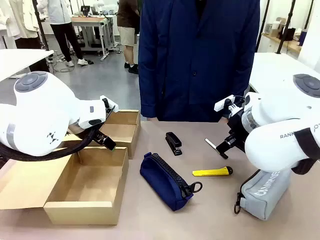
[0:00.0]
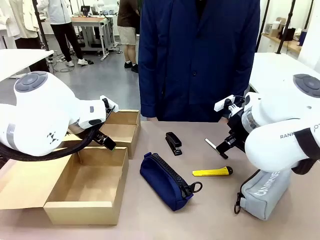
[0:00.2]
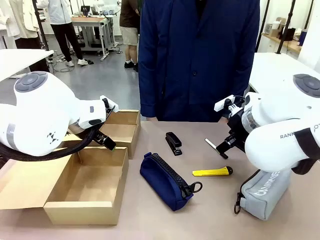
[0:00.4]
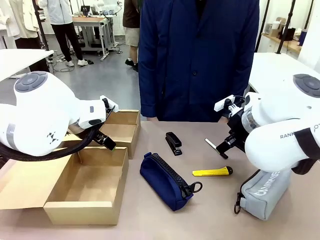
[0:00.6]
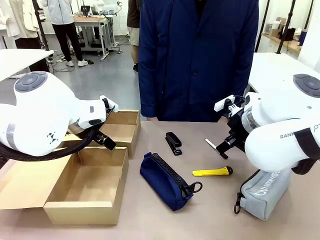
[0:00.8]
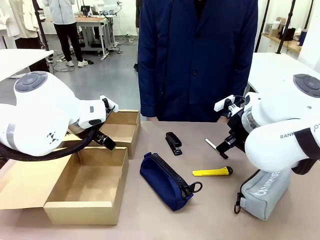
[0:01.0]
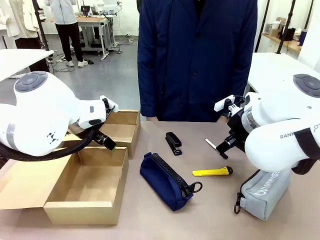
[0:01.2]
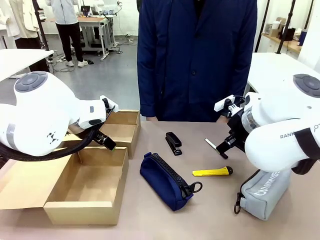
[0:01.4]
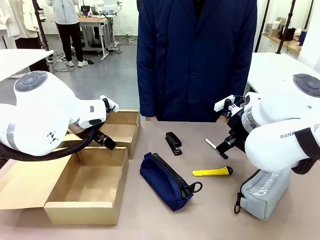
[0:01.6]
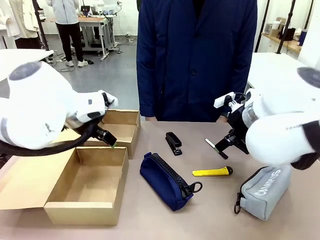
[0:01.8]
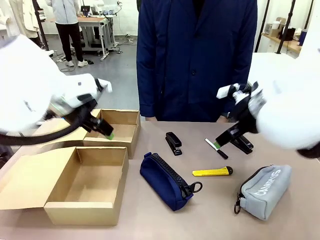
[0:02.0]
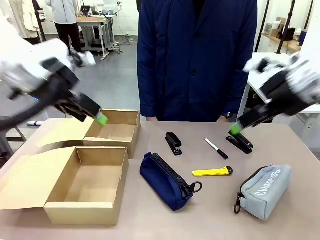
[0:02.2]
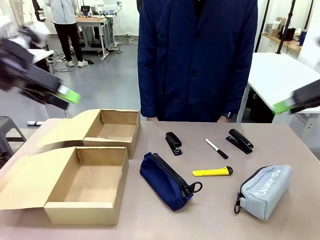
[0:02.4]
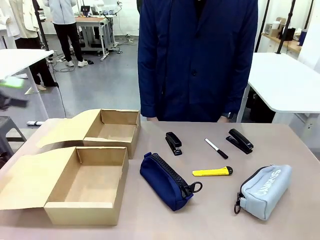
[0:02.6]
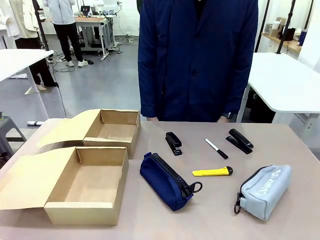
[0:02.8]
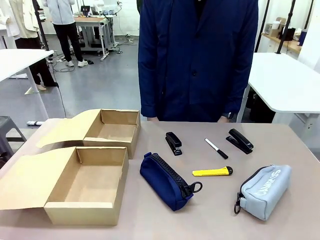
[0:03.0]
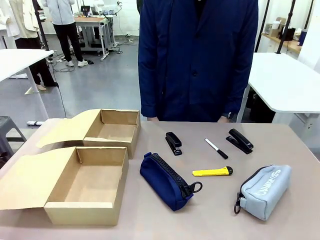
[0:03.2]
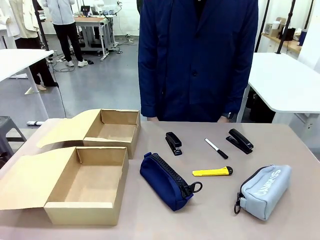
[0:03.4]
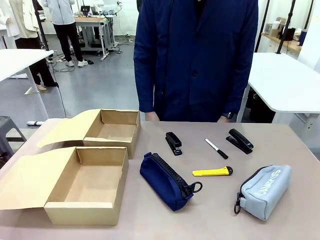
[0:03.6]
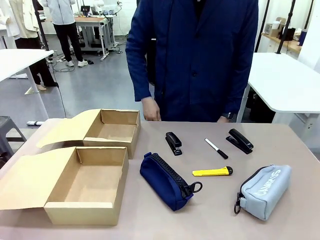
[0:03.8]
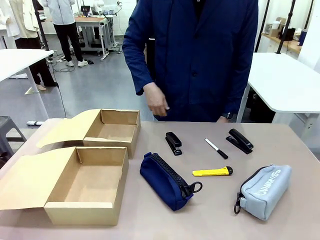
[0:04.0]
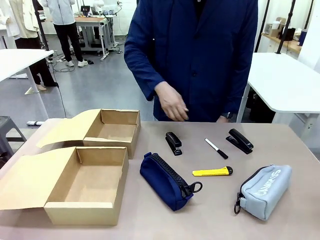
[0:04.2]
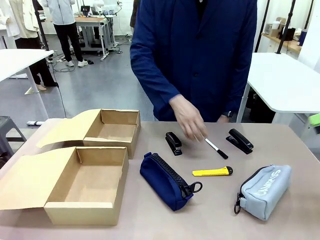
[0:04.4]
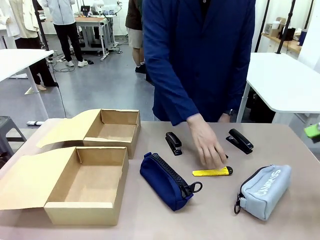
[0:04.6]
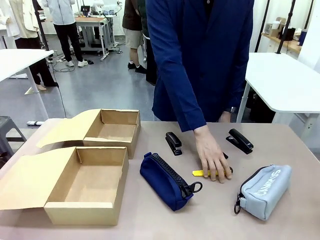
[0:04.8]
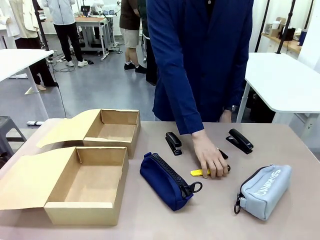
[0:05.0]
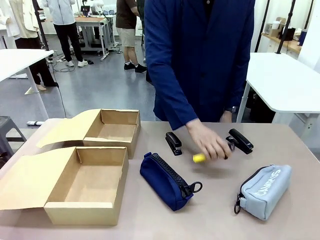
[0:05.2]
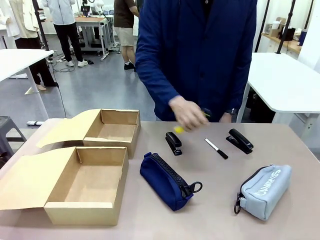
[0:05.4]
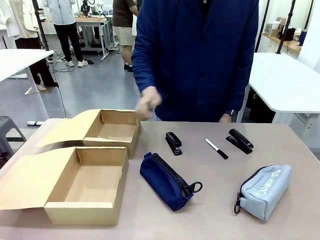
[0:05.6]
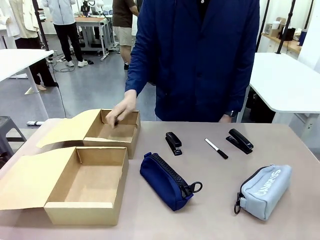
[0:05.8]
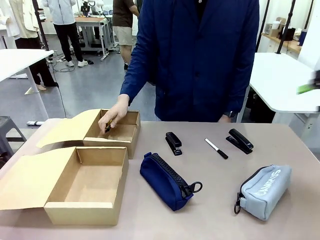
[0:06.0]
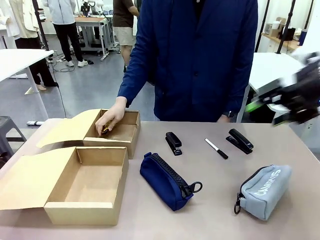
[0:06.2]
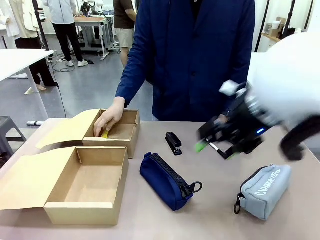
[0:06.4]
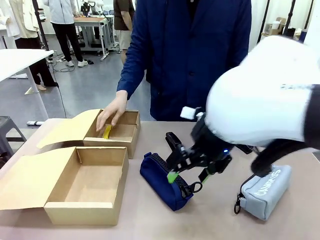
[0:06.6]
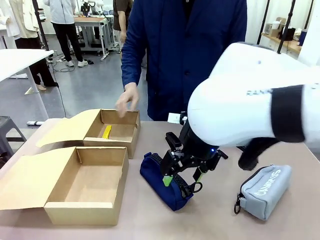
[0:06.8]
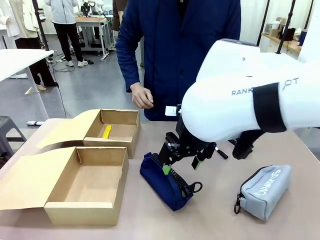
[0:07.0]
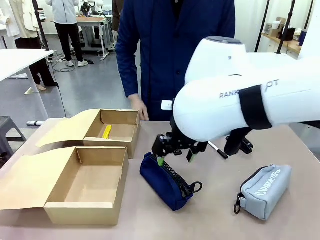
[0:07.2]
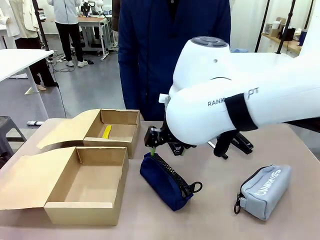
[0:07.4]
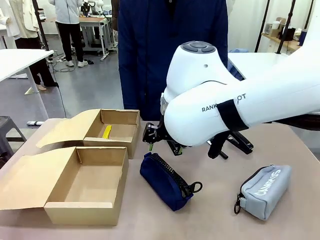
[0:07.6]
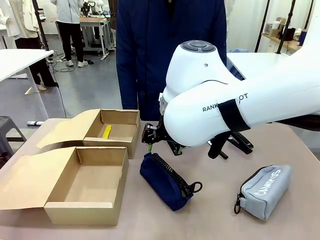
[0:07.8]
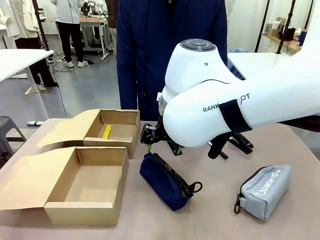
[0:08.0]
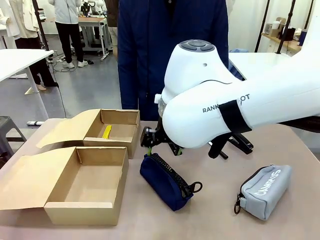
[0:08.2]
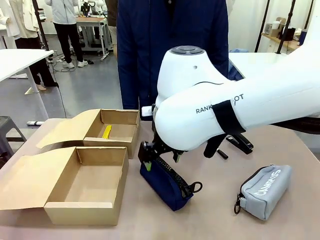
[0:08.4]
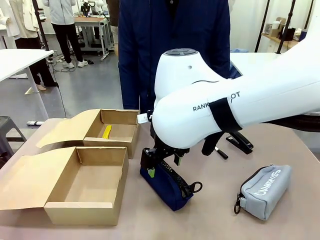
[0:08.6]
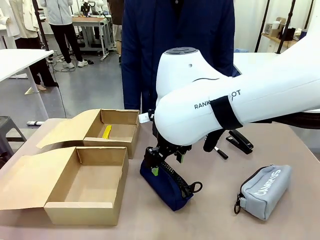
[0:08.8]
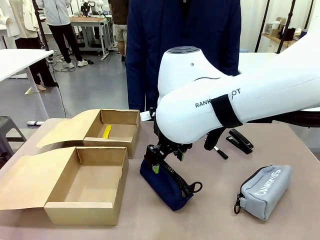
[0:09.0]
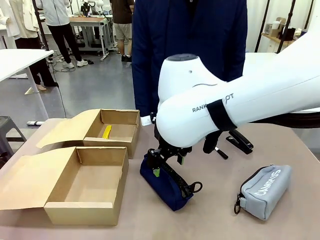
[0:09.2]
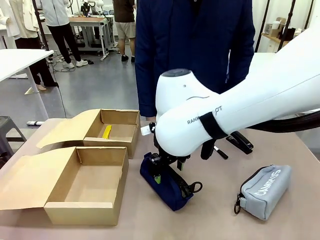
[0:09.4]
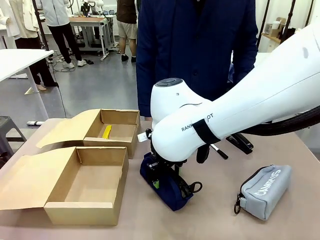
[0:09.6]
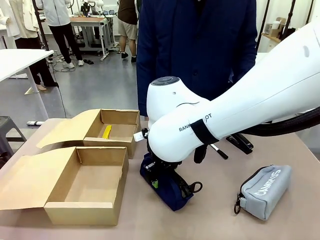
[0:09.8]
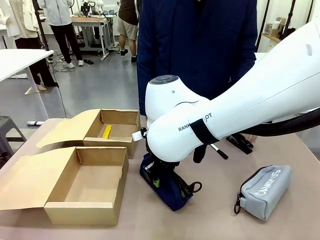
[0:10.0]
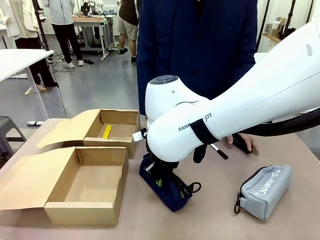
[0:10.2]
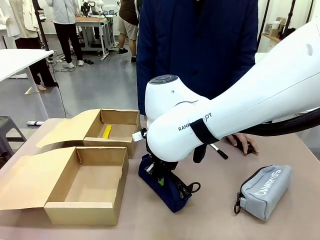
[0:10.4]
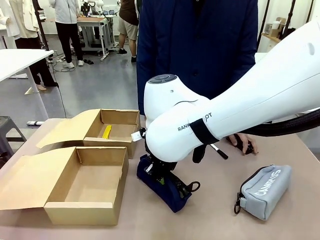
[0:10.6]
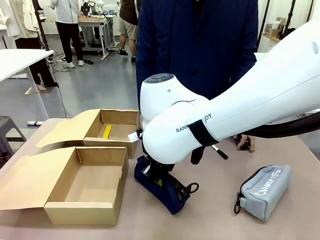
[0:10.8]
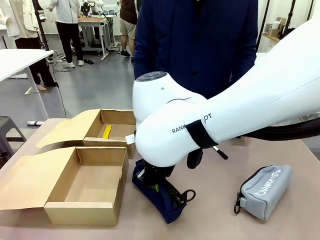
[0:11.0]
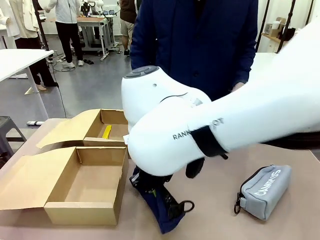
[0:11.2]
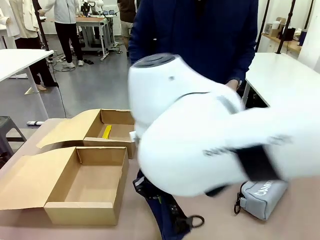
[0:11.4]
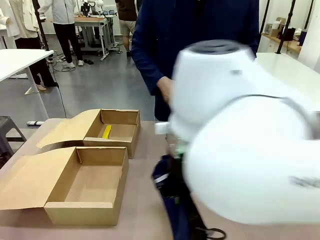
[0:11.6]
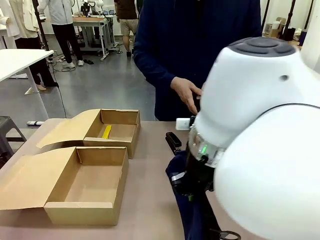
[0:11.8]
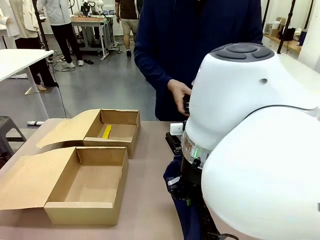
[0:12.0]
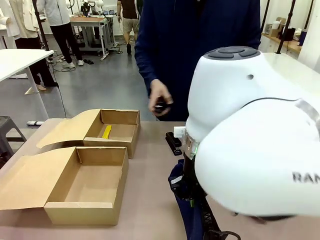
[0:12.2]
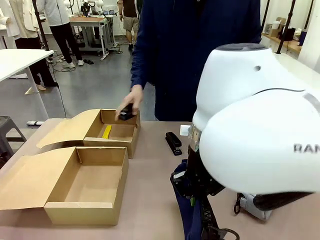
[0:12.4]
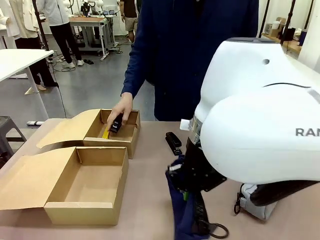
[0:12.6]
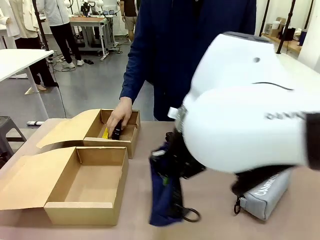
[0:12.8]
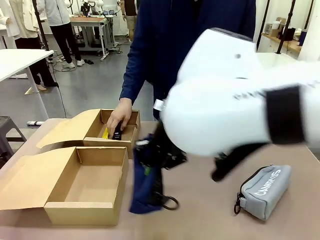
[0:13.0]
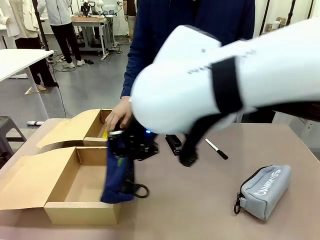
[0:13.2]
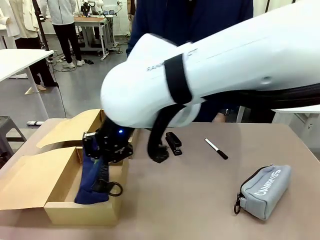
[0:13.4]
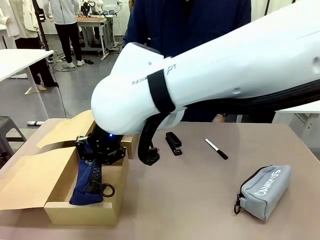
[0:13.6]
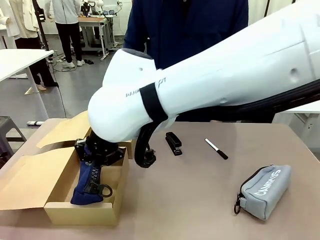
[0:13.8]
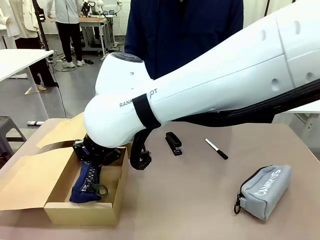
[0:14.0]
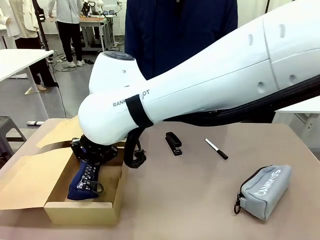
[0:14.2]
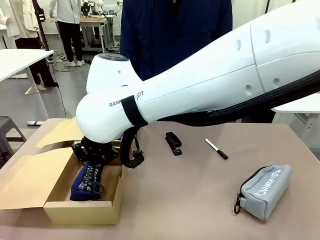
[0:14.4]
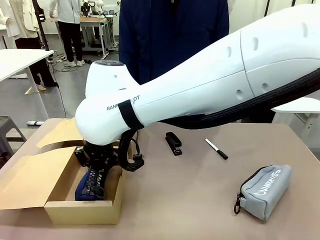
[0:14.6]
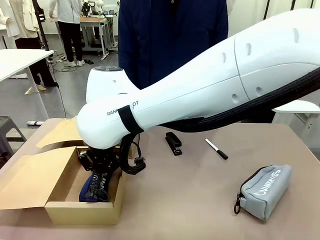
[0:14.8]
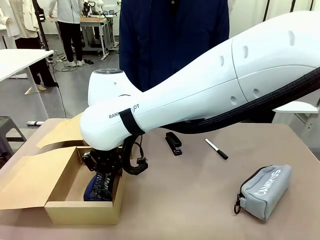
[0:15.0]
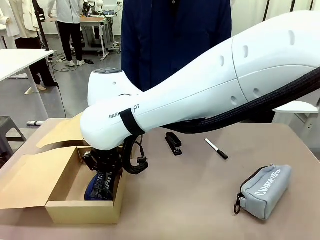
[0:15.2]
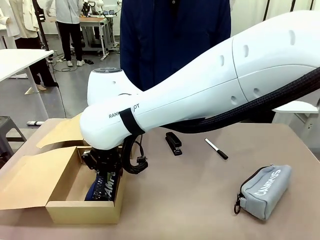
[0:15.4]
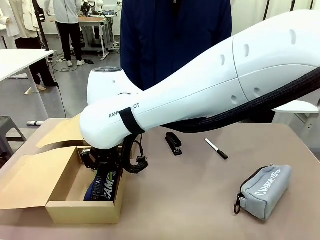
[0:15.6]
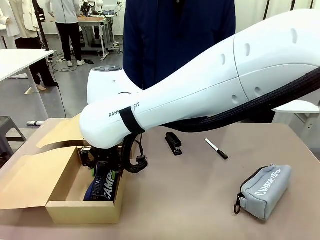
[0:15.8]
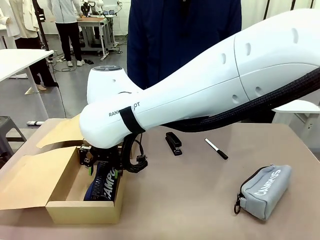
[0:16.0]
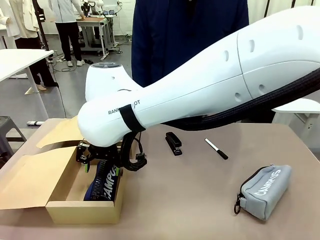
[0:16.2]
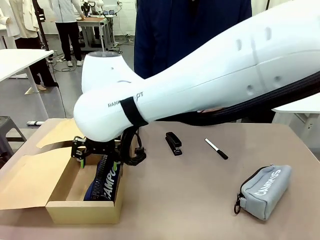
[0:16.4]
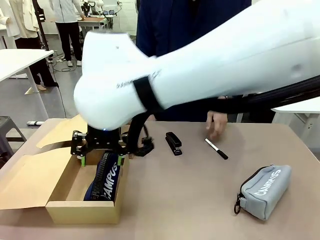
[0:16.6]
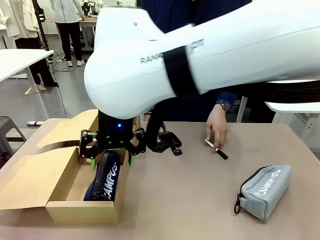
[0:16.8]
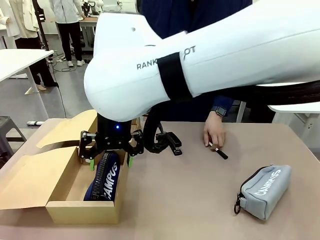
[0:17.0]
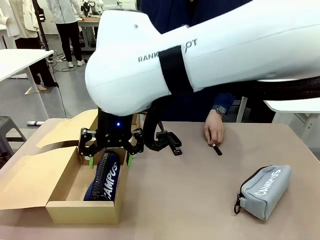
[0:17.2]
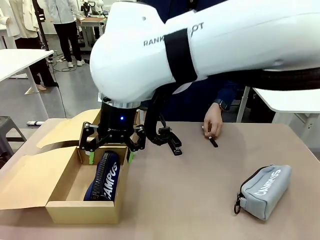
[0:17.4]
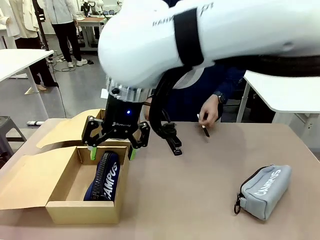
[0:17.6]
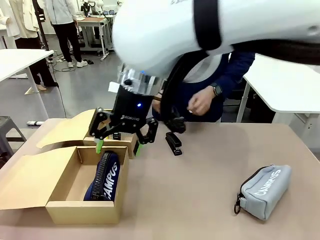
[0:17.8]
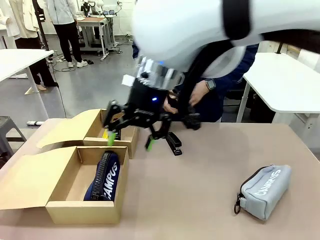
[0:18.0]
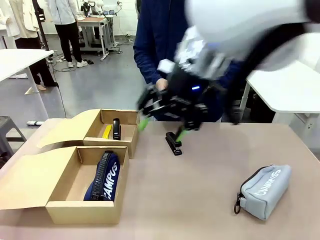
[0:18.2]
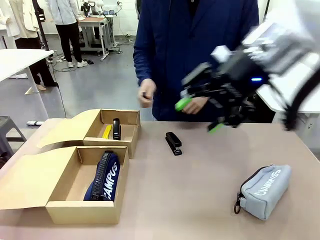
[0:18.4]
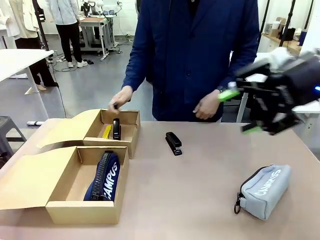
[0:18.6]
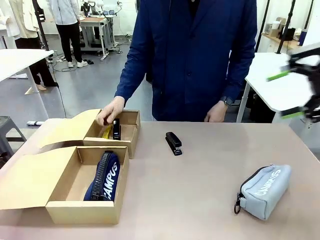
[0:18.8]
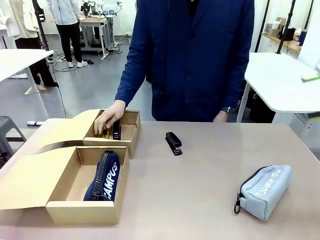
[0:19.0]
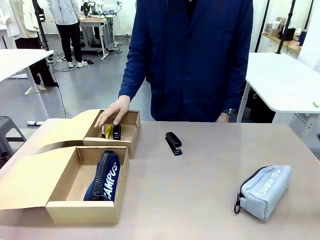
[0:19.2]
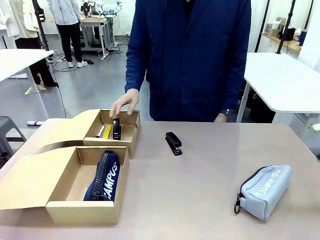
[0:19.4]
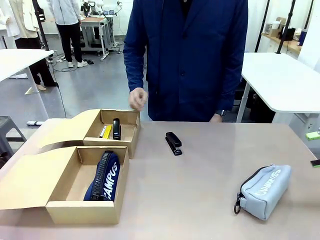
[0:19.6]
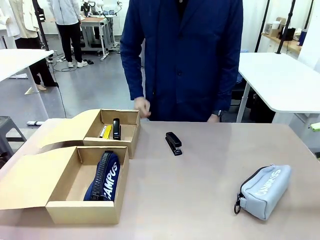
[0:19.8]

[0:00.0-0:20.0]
Task: Place items inside the box.
Robot: Pick up a Pencil pouch or Stapler and place it inside the Mailer Box closest to the robot.
Person: Pick up an object on the table and put it in the box.
